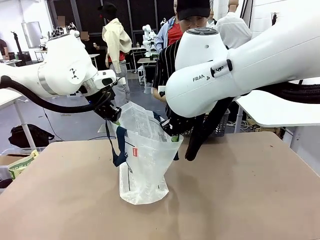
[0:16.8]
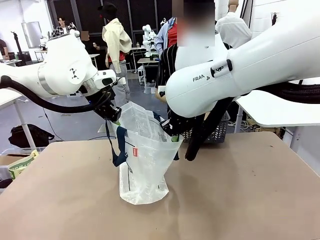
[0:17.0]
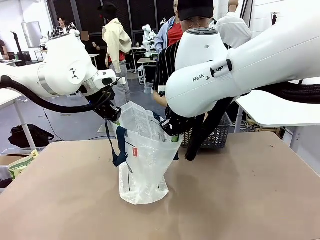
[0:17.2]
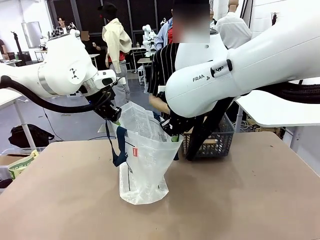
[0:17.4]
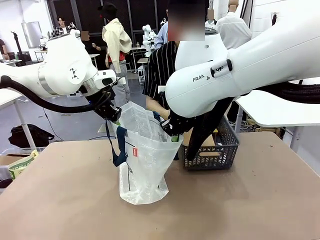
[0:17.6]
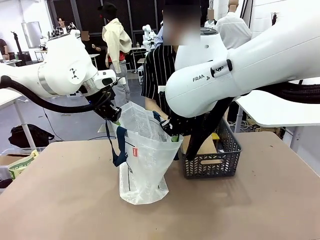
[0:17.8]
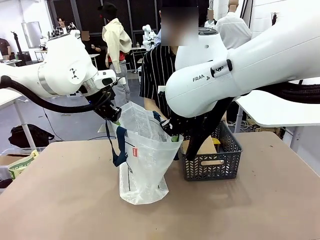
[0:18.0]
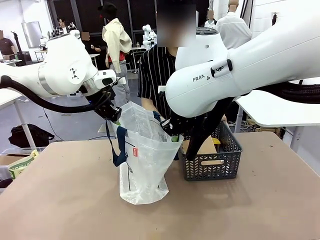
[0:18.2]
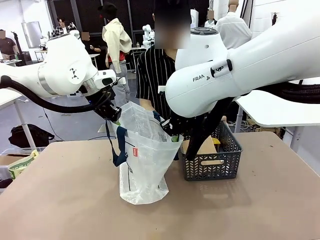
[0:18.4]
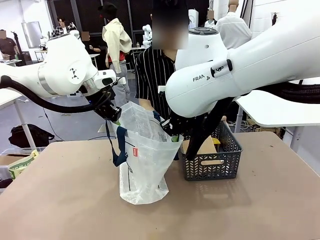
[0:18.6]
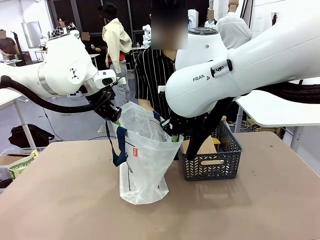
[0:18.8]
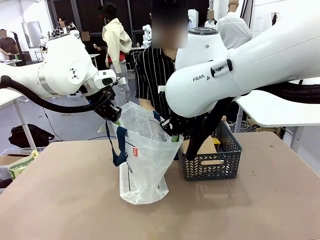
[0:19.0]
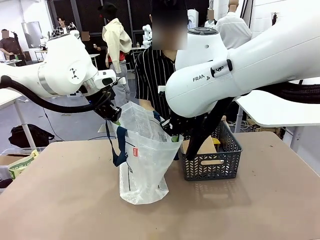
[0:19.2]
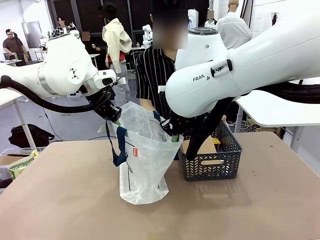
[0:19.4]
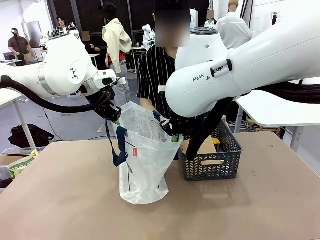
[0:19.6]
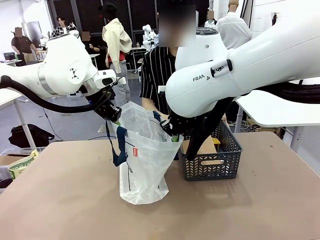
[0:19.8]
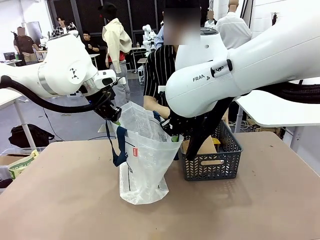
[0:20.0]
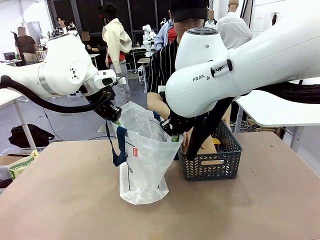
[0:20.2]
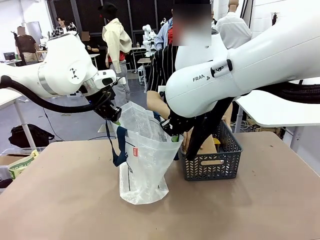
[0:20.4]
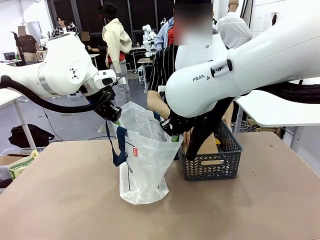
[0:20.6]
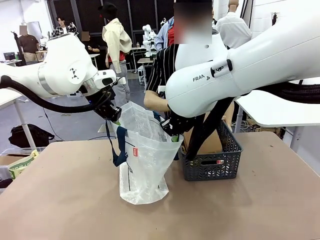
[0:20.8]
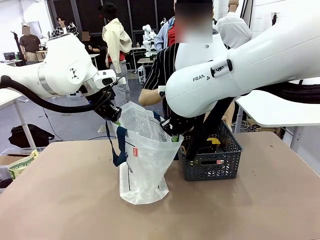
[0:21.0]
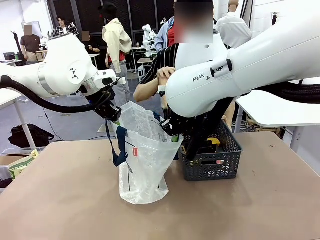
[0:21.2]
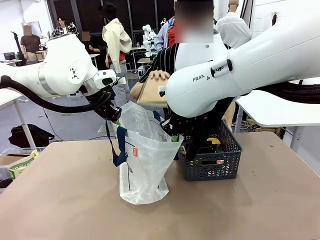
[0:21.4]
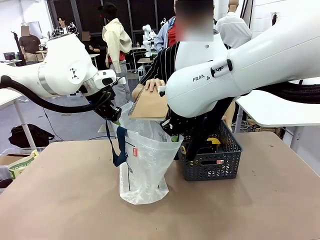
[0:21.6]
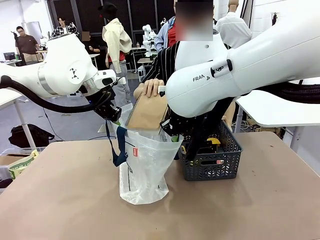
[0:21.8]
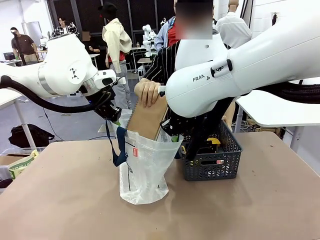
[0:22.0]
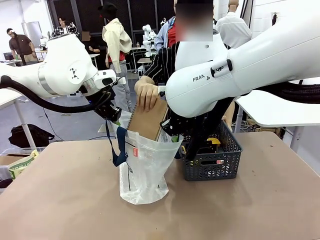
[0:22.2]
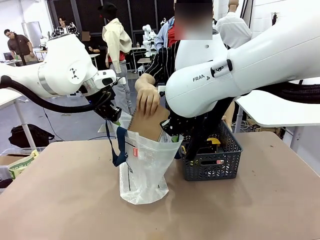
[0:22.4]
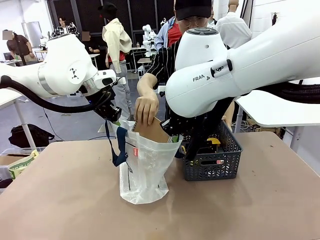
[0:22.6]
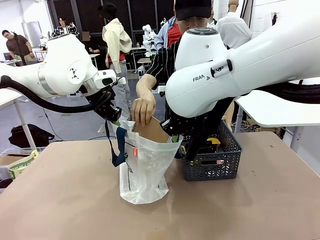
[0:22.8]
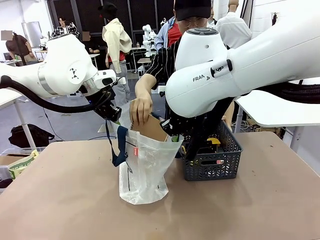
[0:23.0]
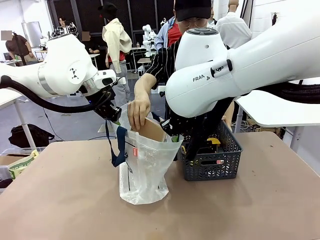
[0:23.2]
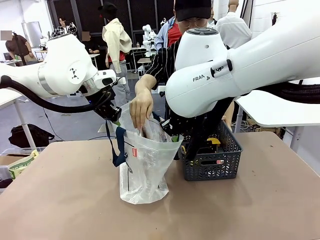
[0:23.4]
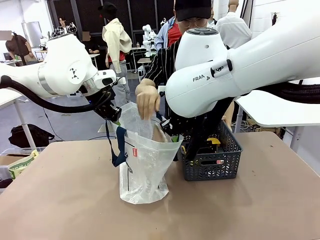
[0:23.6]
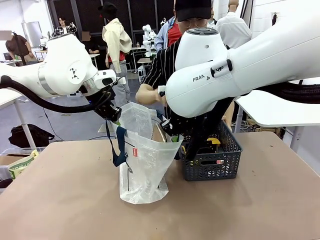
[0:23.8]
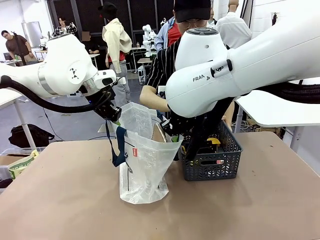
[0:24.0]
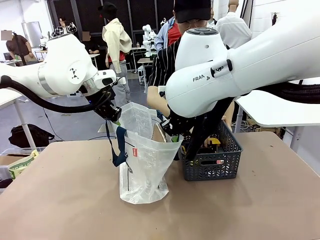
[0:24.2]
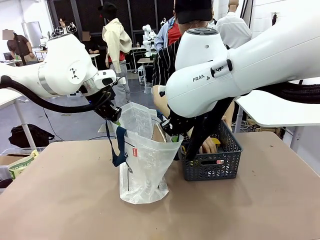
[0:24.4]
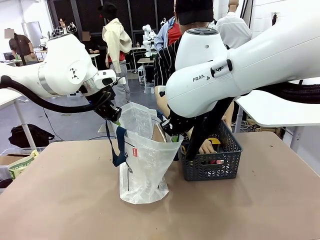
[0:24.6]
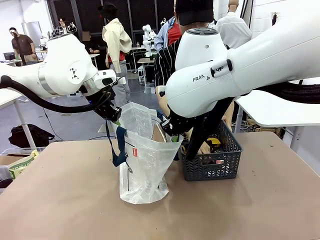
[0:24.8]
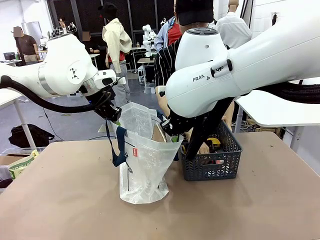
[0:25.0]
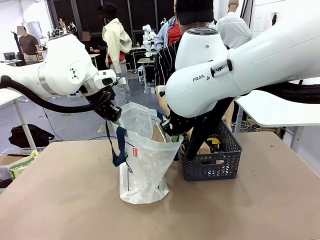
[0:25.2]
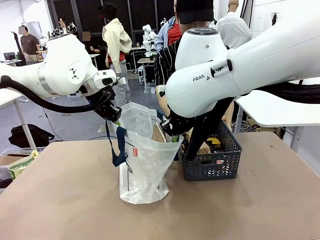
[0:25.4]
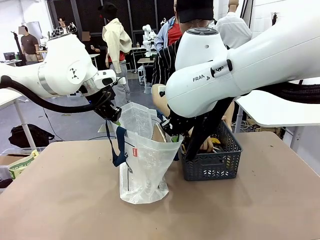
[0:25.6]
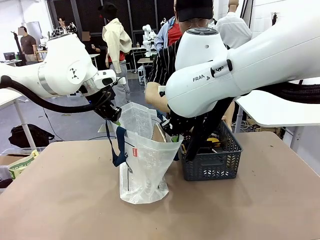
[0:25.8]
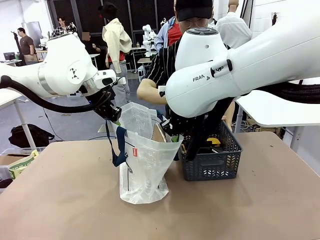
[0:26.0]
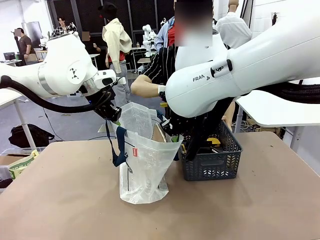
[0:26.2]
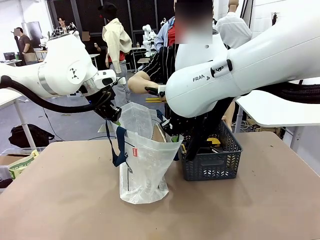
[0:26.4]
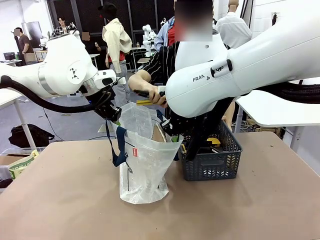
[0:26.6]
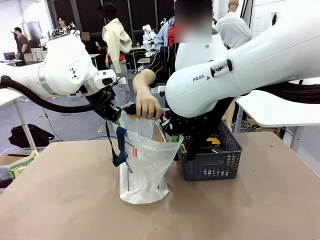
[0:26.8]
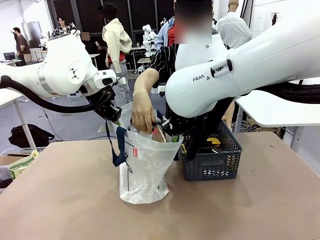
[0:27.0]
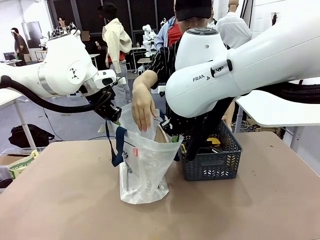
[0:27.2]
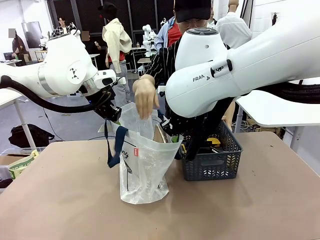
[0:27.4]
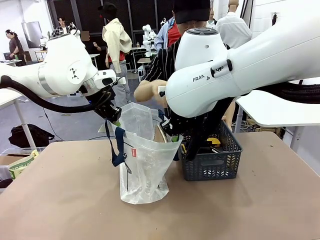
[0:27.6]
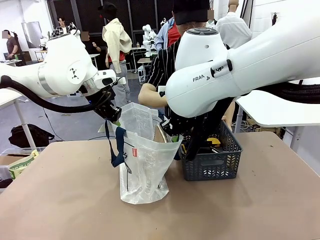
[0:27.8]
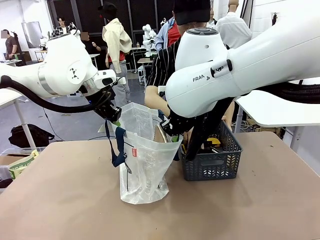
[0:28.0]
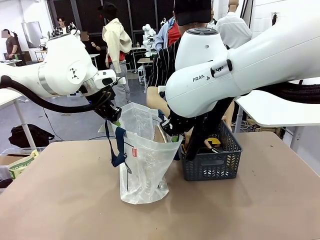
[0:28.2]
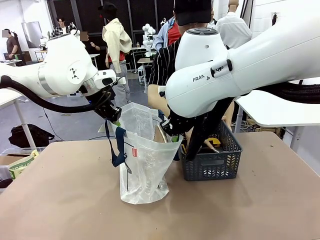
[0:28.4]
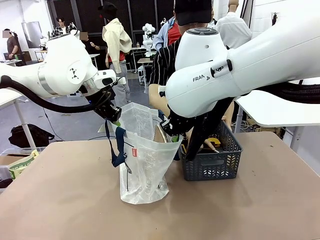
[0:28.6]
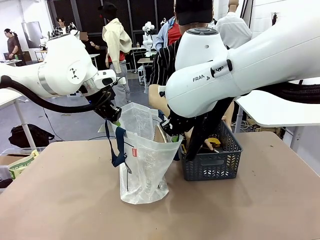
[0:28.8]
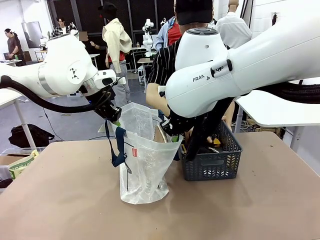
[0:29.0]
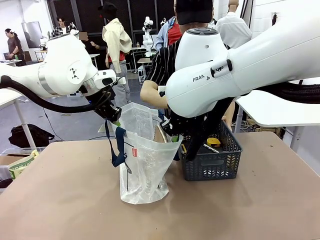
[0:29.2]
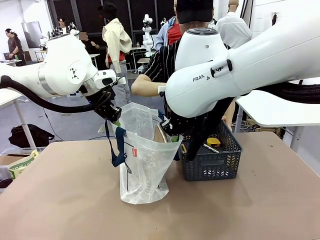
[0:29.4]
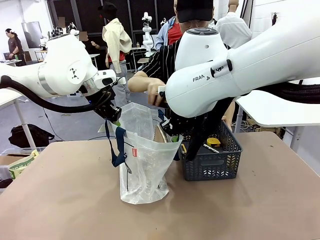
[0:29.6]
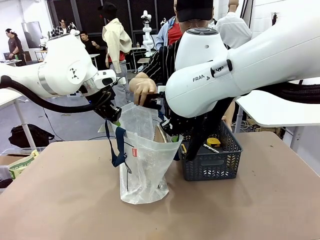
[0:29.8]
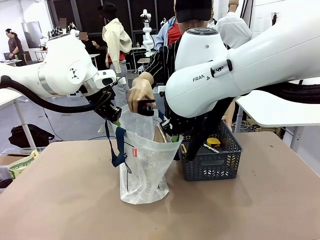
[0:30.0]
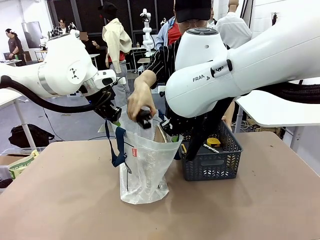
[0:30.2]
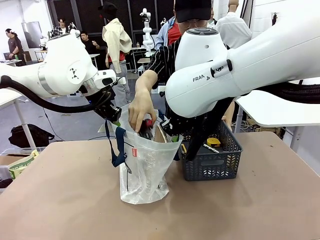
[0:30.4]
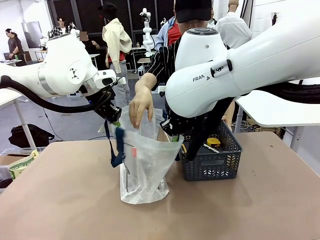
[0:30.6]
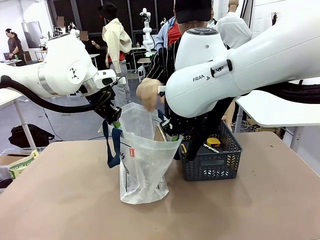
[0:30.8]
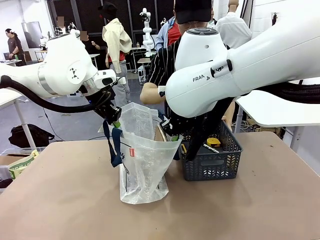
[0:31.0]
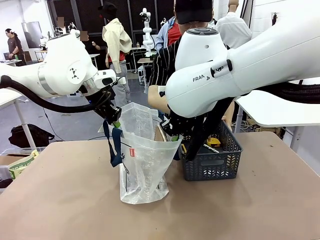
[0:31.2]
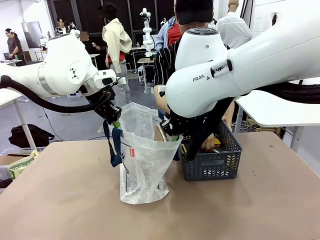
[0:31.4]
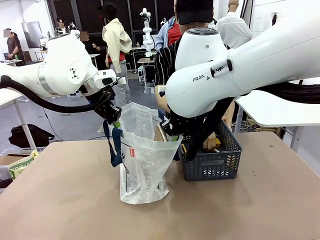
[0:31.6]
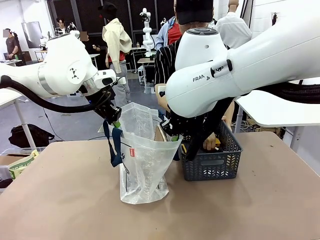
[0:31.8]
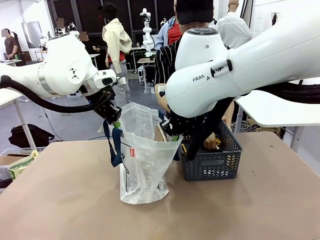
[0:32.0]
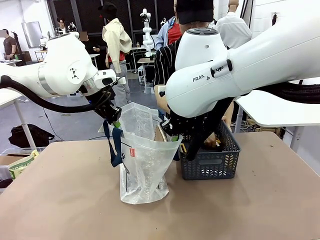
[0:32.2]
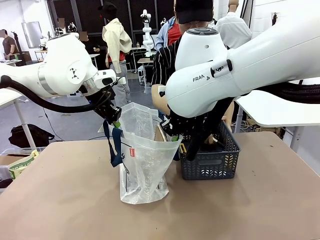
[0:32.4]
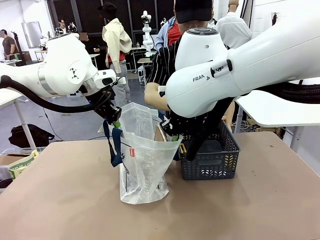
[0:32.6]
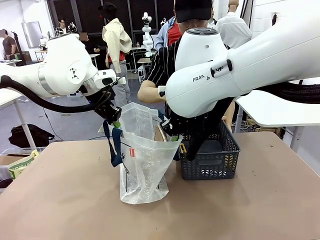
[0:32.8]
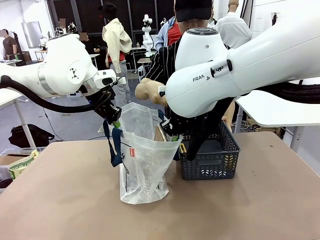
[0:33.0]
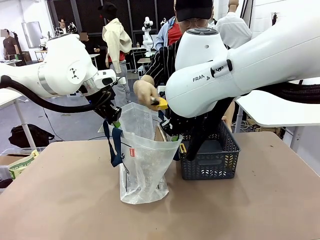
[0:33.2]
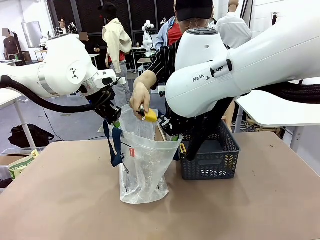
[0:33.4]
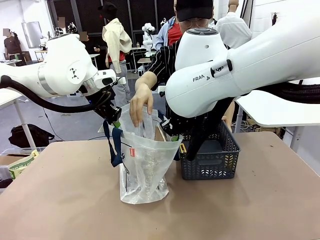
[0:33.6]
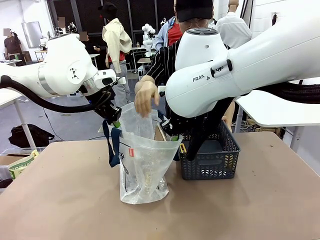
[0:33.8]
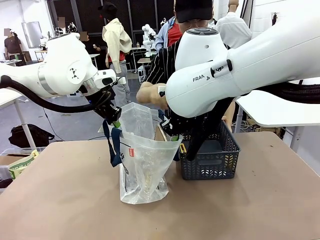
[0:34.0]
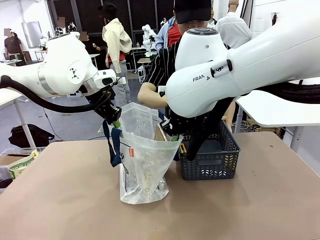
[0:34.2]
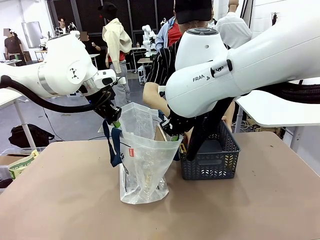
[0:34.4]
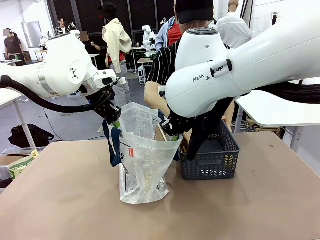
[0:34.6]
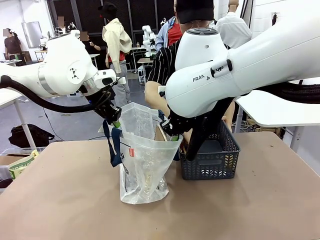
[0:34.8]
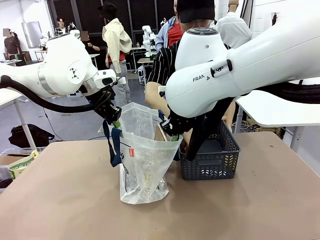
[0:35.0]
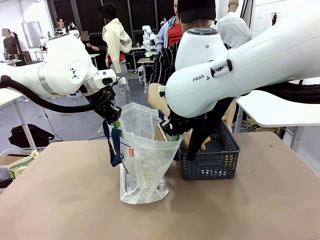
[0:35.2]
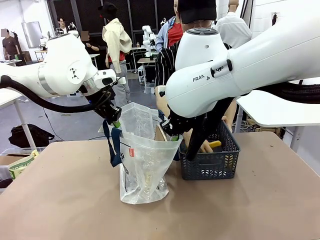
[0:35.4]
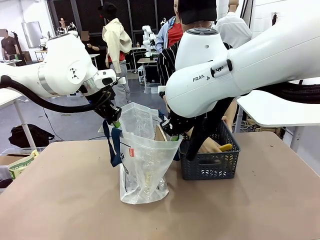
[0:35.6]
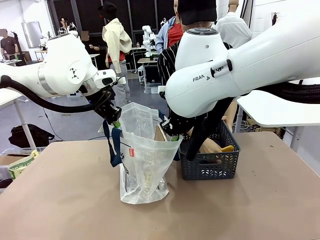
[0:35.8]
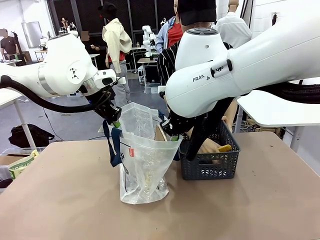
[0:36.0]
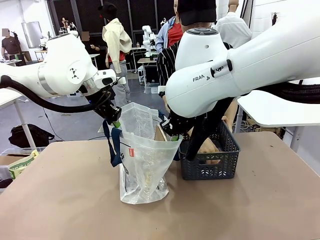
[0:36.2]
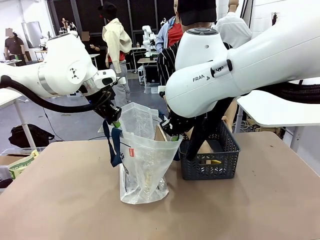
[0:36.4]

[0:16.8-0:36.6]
Task: Transfer purchased items from the store into the shopping bag.
Robot: Move the Reusable shopping bag to the right side of the table.
Person: Pick up the basket with the items out and place it on the right side of the human table.
